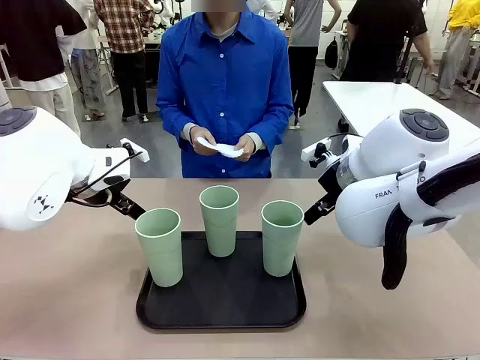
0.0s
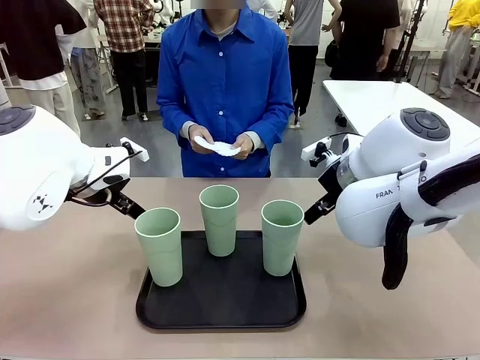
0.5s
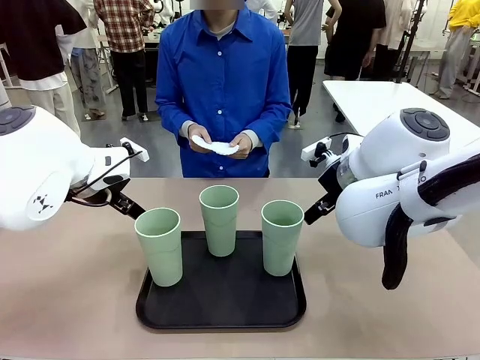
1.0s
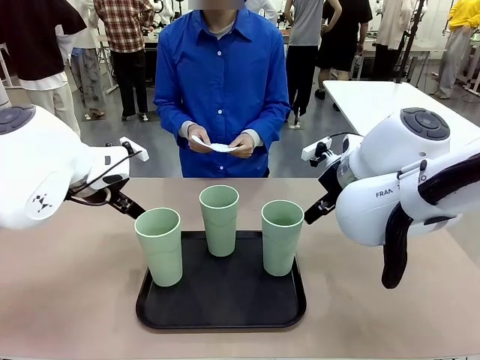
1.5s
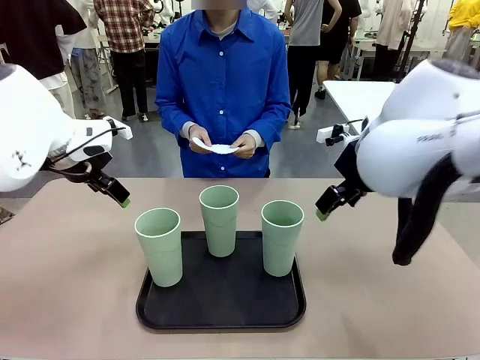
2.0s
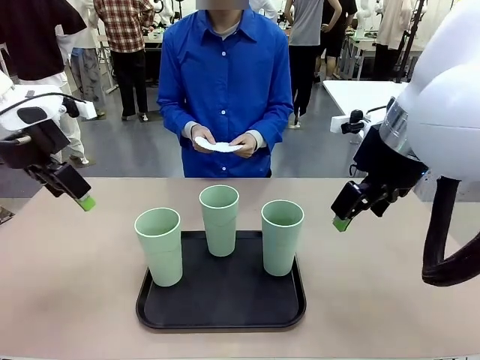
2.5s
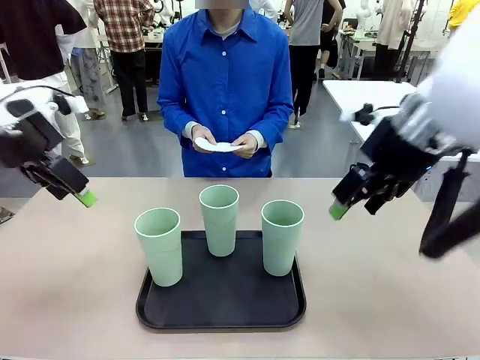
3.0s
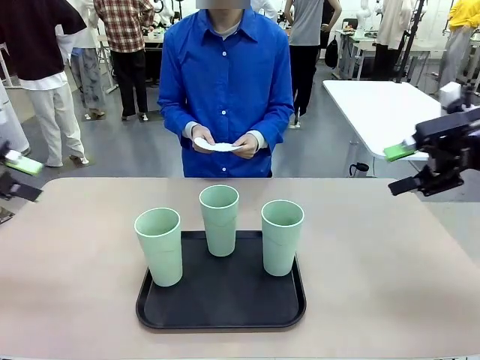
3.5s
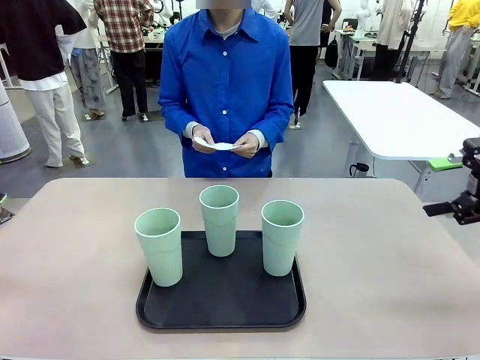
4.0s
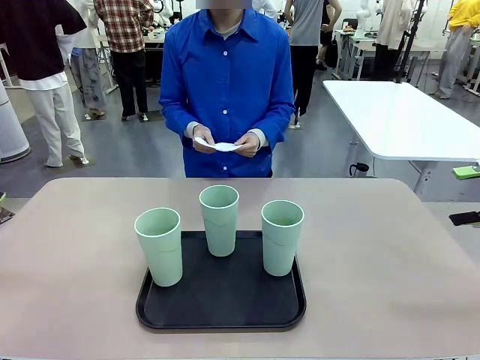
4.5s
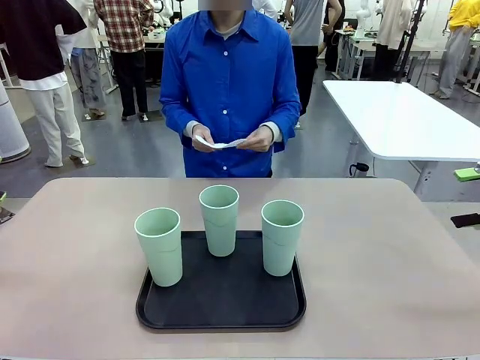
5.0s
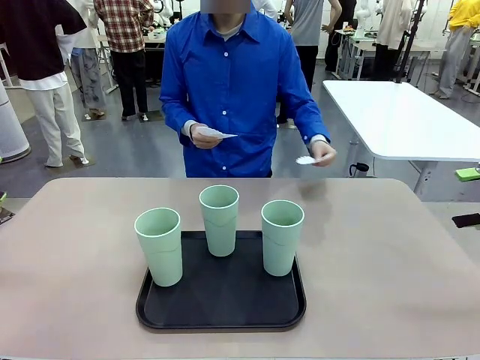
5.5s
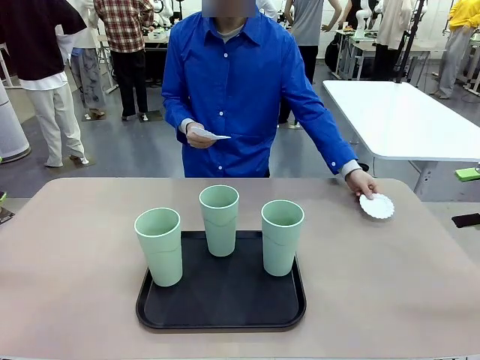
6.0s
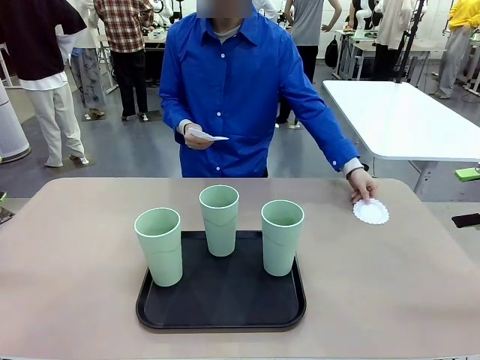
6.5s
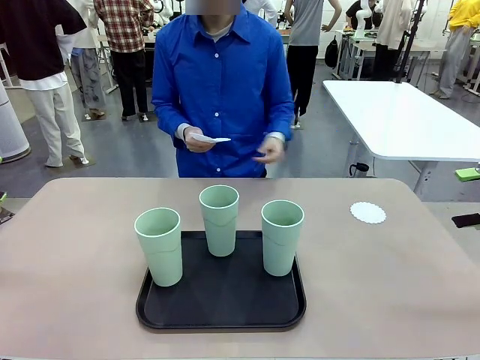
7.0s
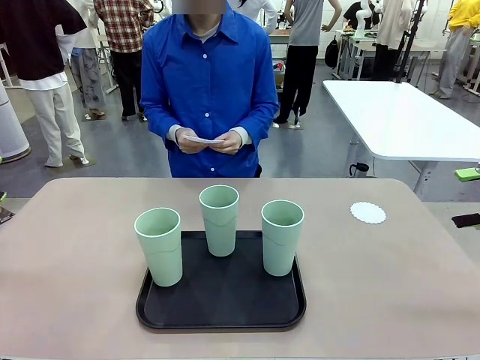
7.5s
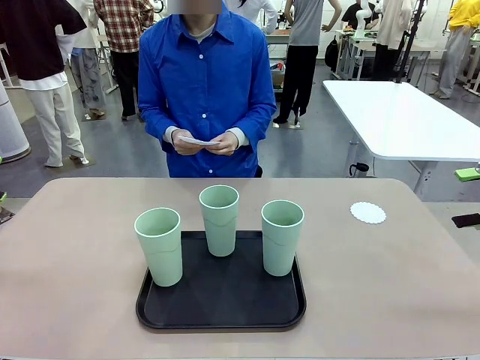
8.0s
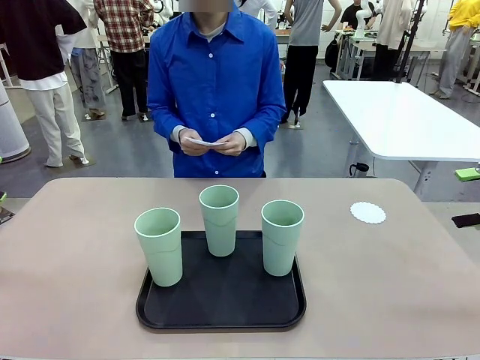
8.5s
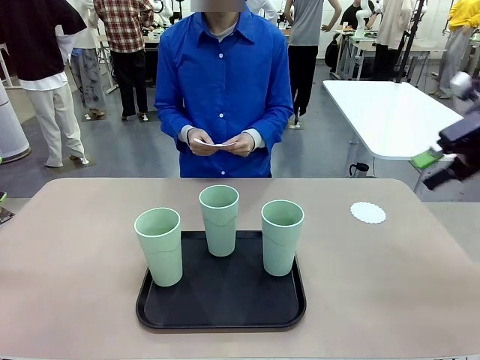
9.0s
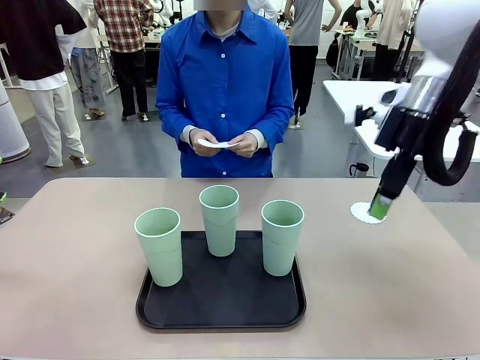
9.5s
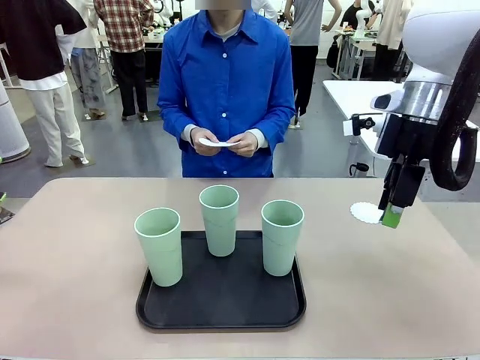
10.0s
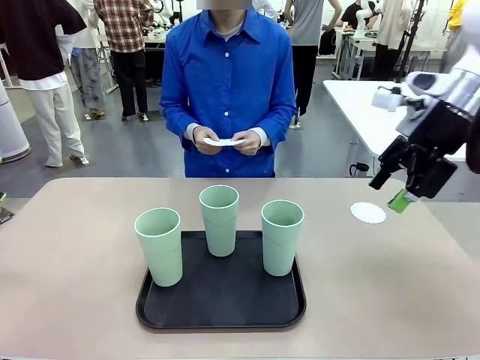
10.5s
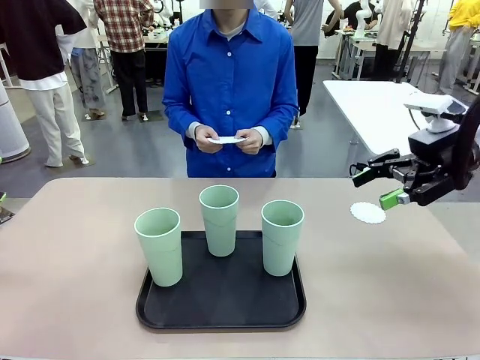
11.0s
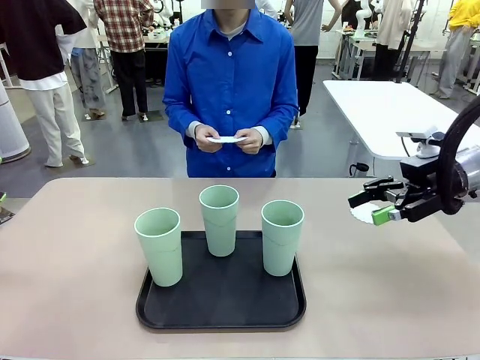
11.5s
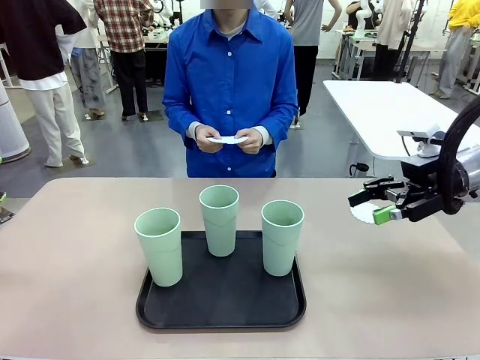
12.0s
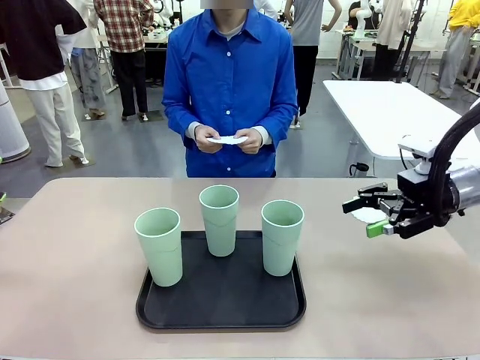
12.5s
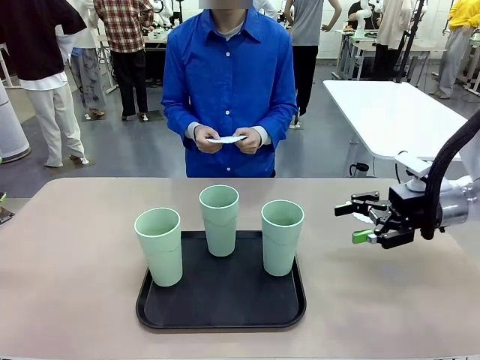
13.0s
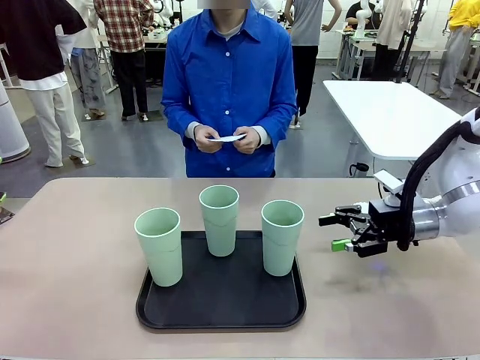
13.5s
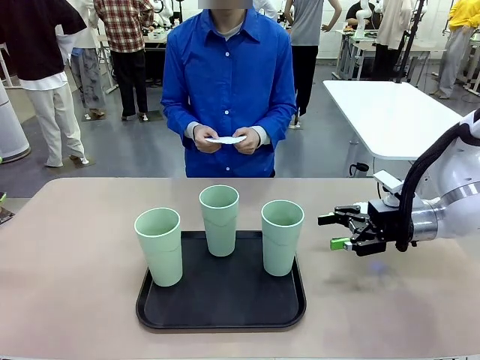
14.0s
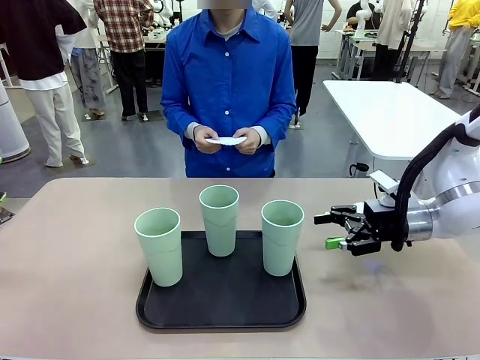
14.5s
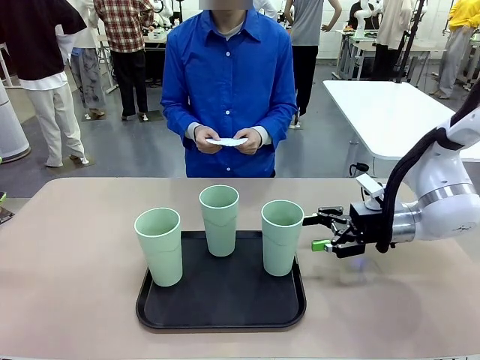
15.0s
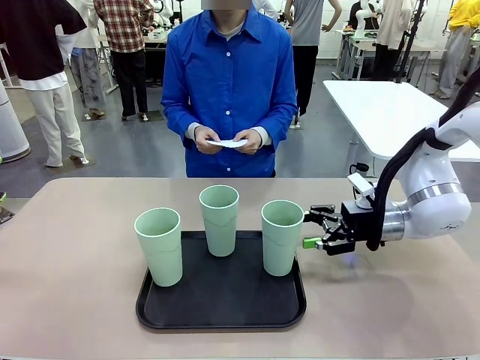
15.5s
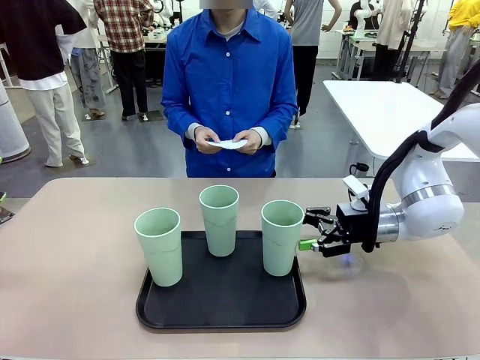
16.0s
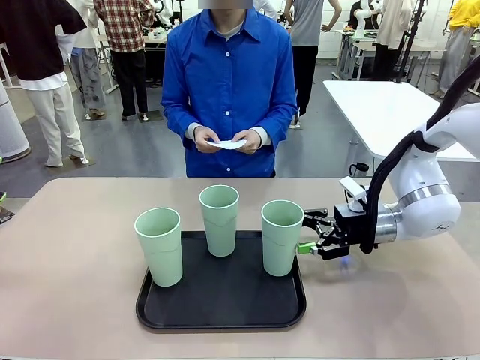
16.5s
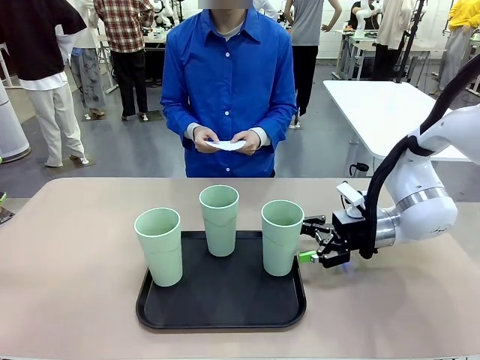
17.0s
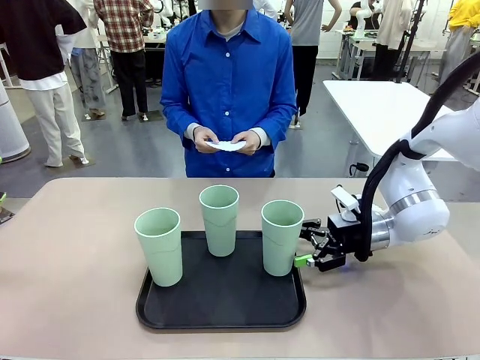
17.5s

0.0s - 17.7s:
Task: Place coasters on the table and set cups on them.
Robot: Pick up one Reusable plastic cup and place it on a coaster set by the human.
Person: Place one coaster in any one of the three lower areas of the robot table (left, center, or right).

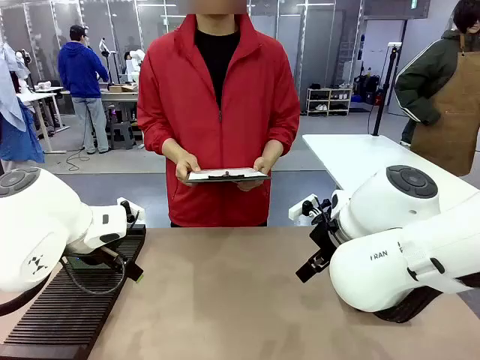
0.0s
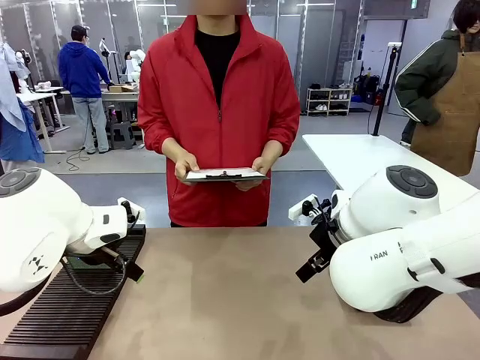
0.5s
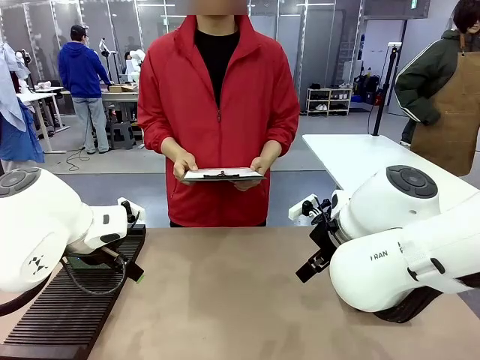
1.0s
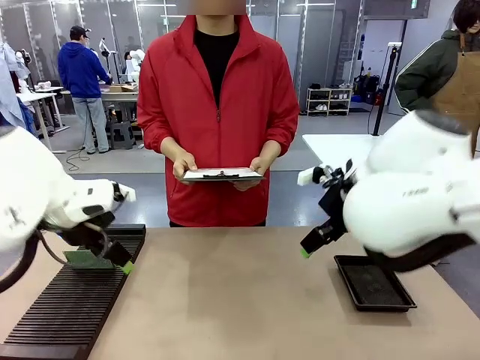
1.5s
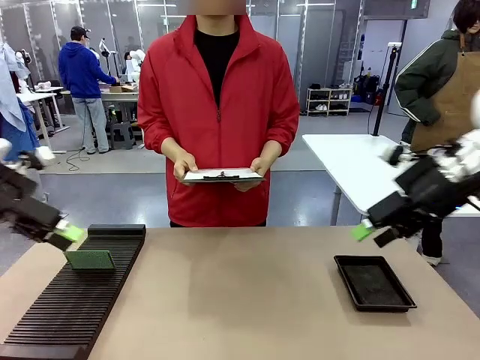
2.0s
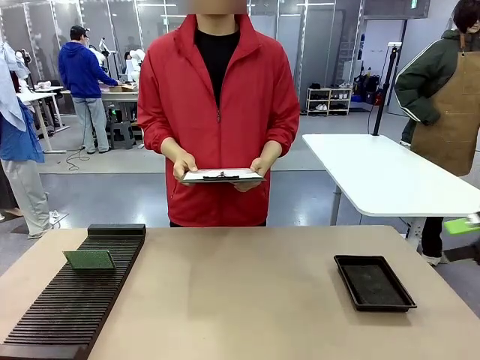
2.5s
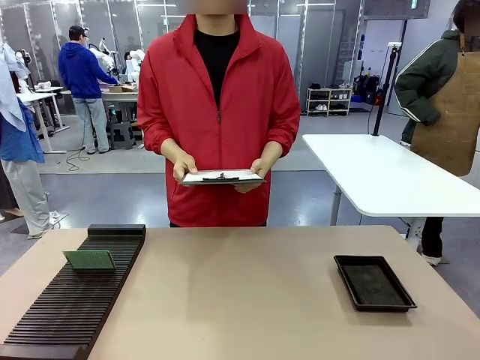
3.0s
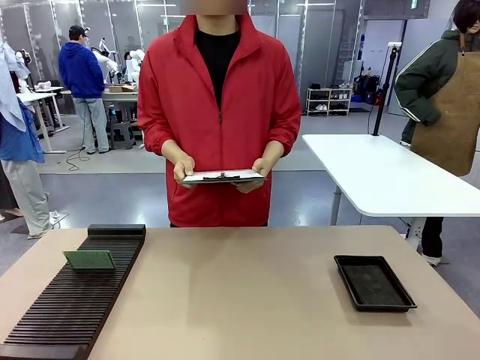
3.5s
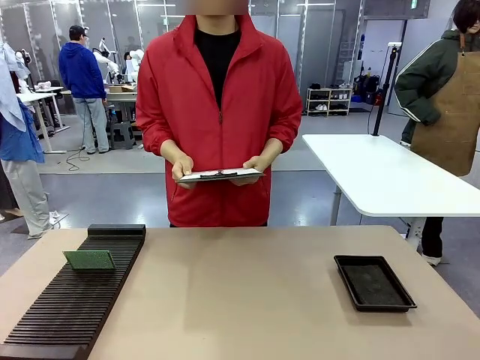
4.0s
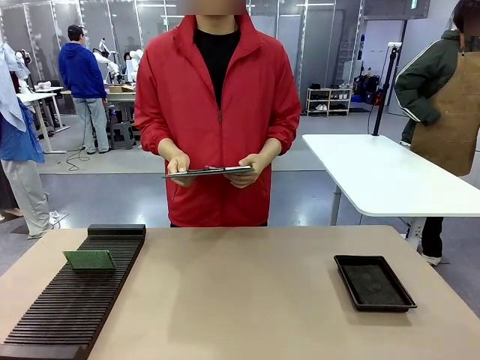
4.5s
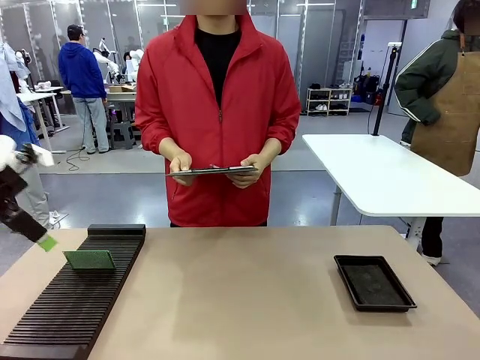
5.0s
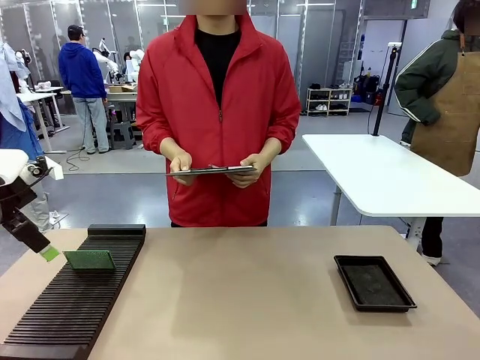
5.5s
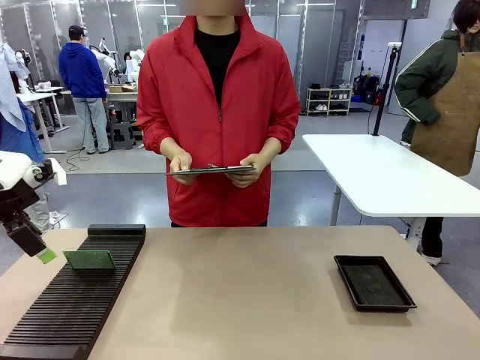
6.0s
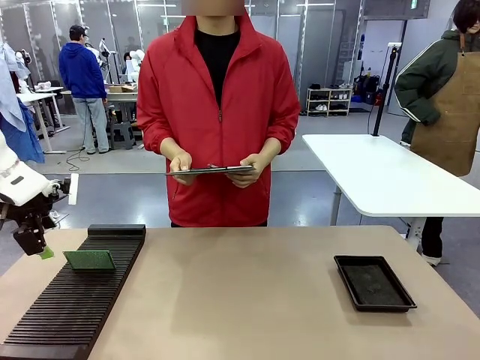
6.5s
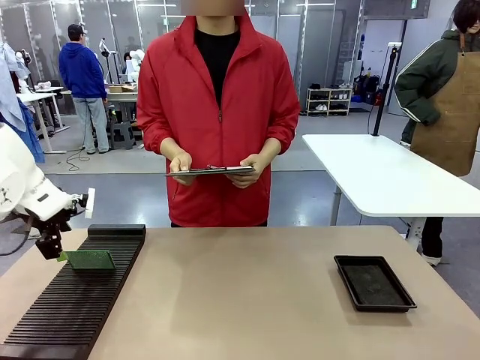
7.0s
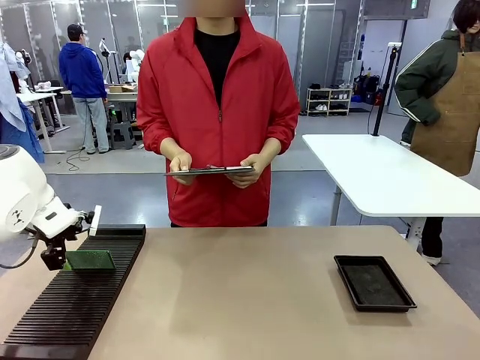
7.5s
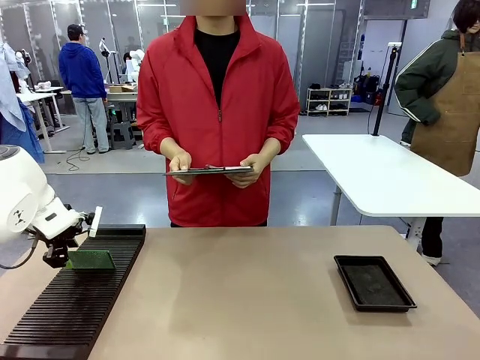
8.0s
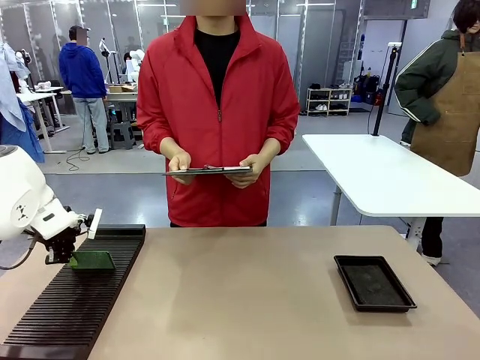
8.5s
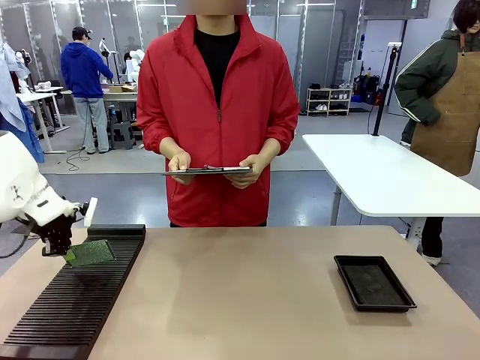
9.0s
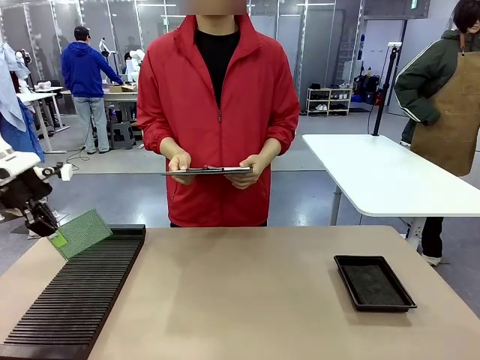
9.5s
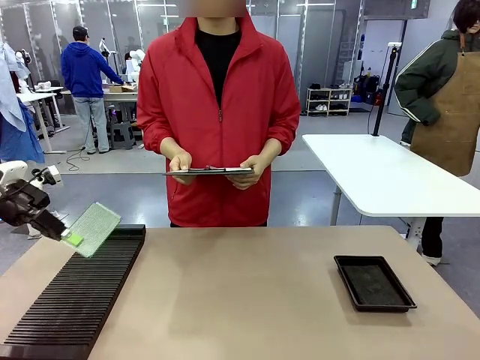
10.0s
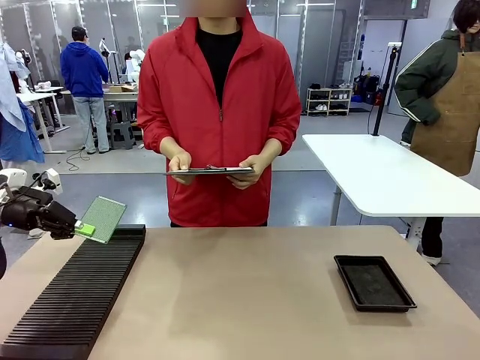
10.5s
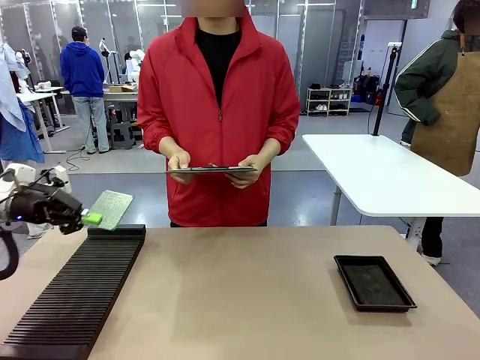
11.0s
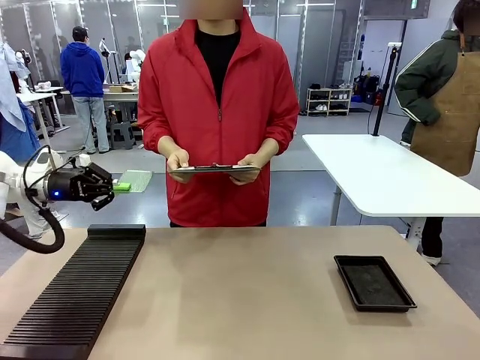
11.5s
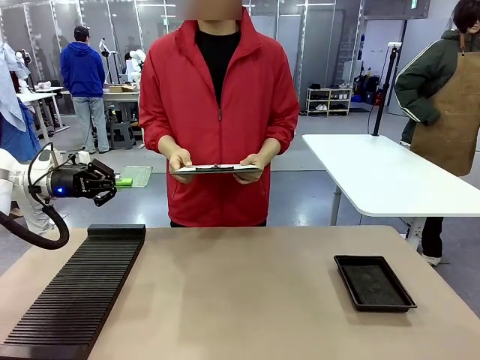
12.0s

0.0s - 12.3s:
Task: Inspect the PCB.
Robot: Pick up the Blank PCB and present it to the human.
Person: Pick up the PCB presented by the robot.
